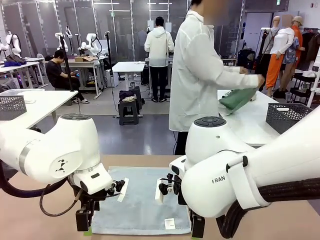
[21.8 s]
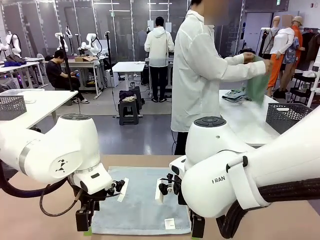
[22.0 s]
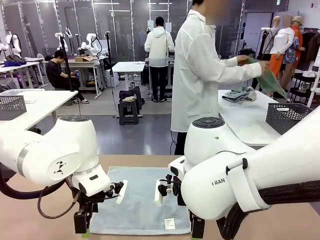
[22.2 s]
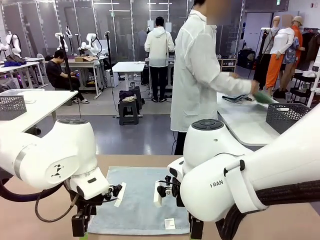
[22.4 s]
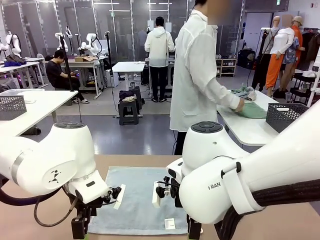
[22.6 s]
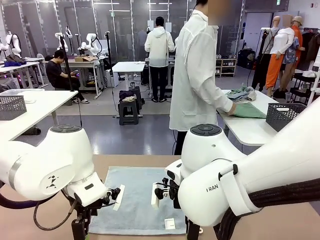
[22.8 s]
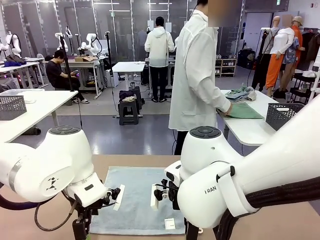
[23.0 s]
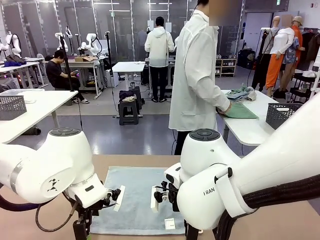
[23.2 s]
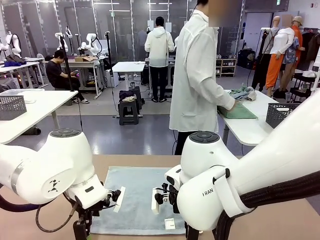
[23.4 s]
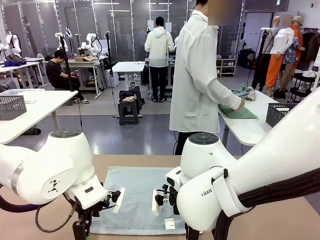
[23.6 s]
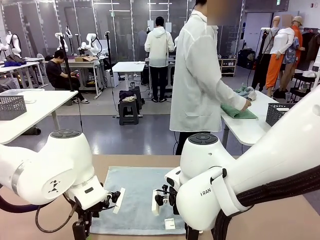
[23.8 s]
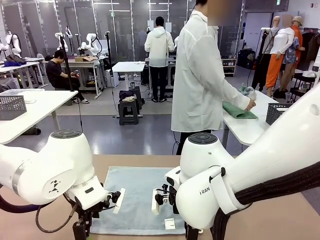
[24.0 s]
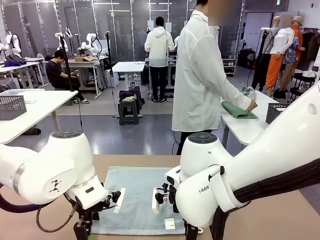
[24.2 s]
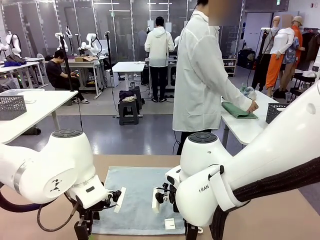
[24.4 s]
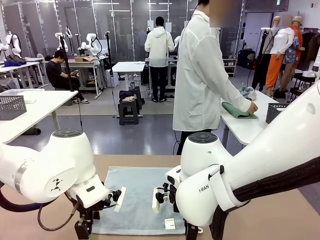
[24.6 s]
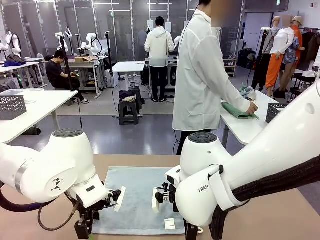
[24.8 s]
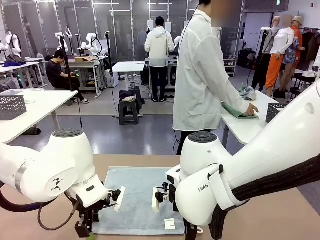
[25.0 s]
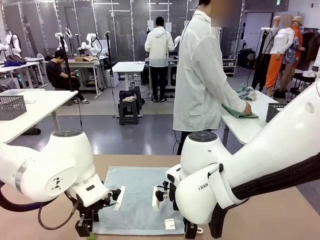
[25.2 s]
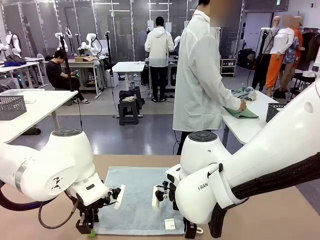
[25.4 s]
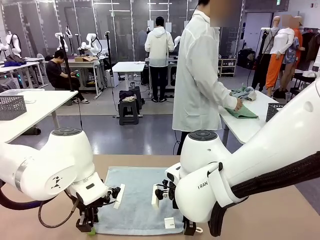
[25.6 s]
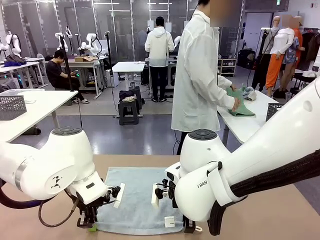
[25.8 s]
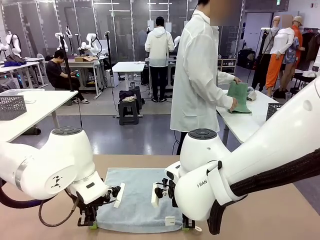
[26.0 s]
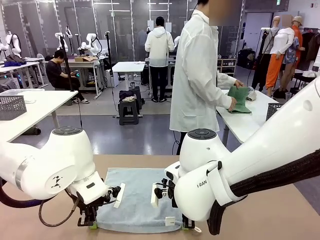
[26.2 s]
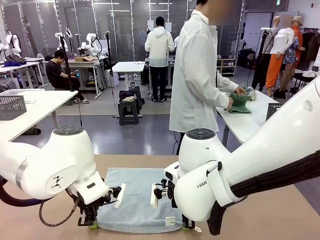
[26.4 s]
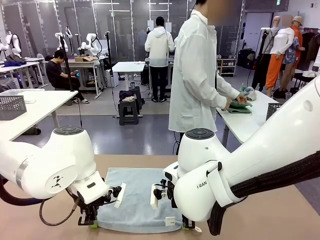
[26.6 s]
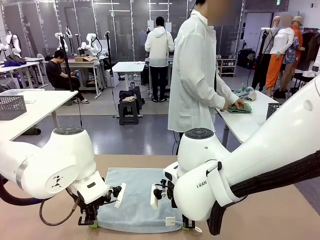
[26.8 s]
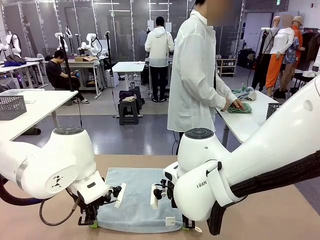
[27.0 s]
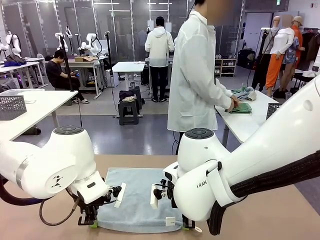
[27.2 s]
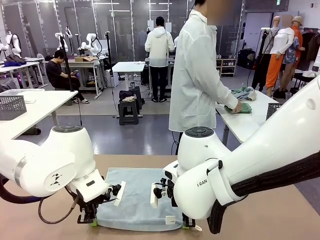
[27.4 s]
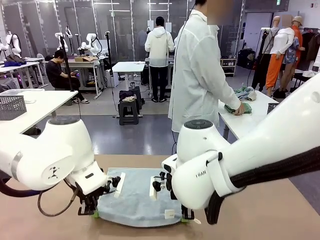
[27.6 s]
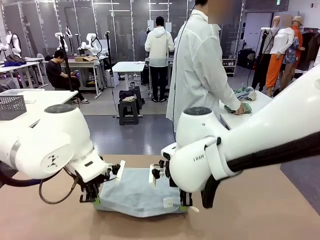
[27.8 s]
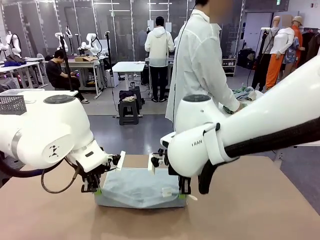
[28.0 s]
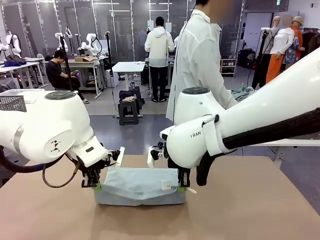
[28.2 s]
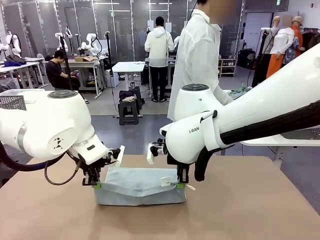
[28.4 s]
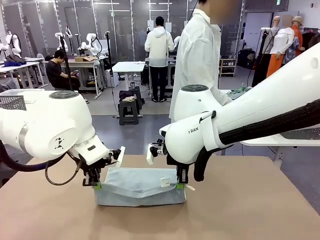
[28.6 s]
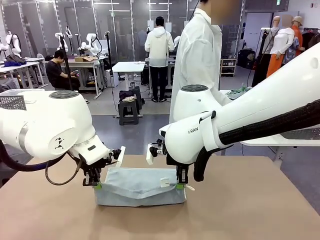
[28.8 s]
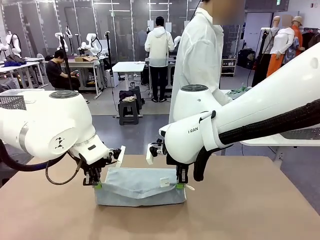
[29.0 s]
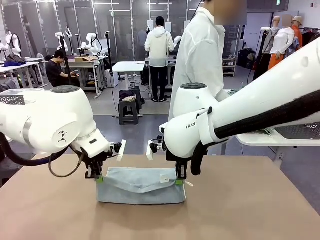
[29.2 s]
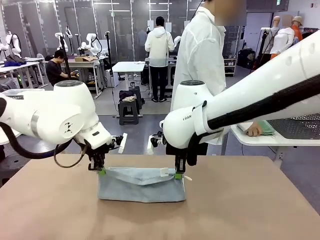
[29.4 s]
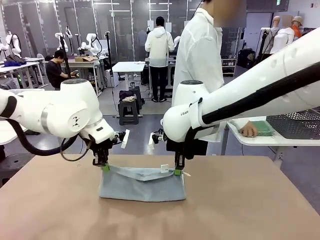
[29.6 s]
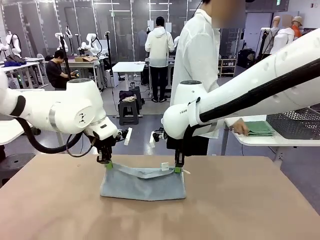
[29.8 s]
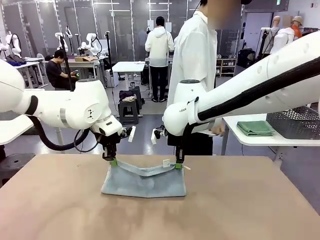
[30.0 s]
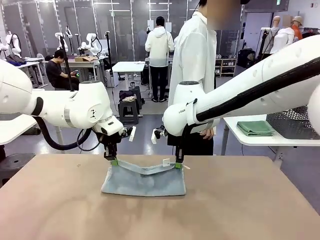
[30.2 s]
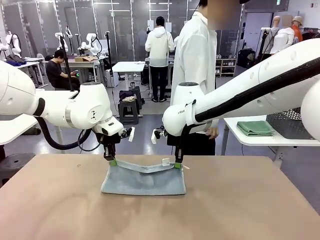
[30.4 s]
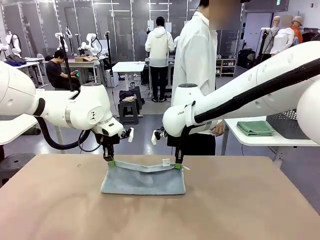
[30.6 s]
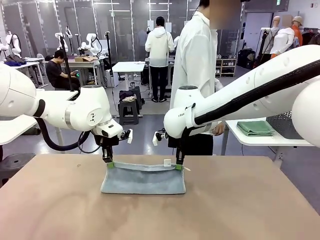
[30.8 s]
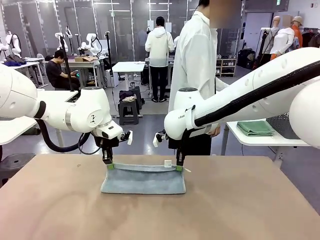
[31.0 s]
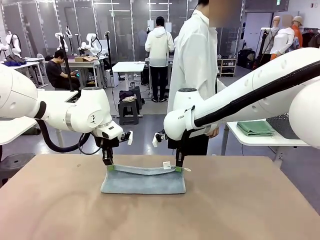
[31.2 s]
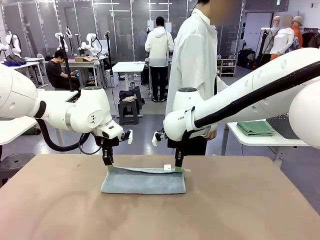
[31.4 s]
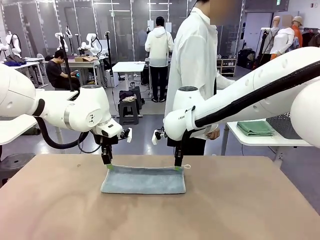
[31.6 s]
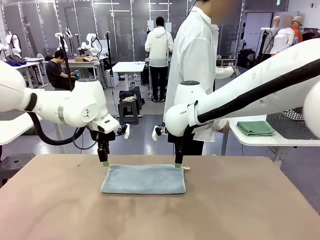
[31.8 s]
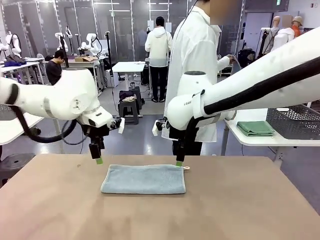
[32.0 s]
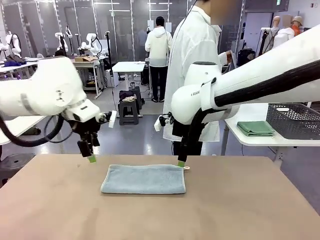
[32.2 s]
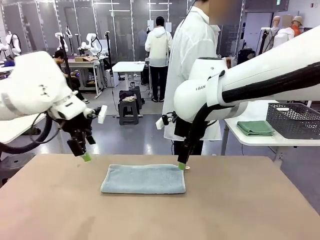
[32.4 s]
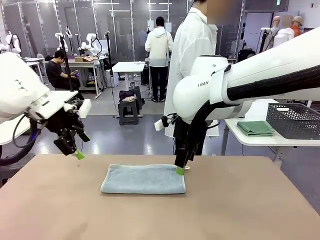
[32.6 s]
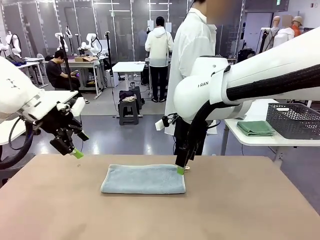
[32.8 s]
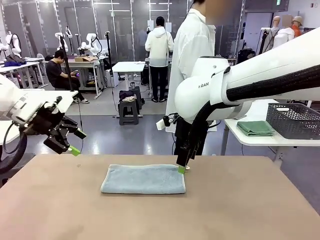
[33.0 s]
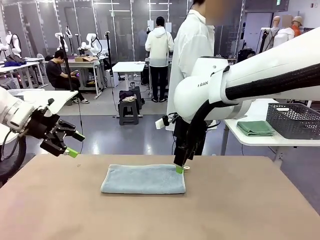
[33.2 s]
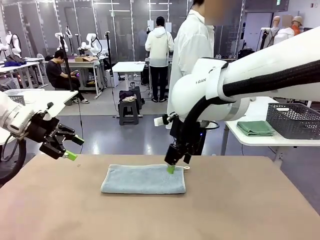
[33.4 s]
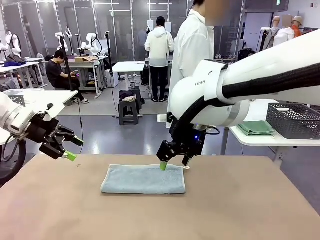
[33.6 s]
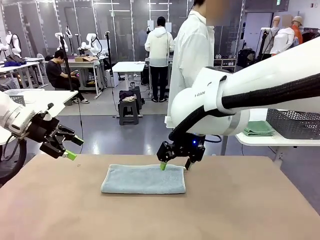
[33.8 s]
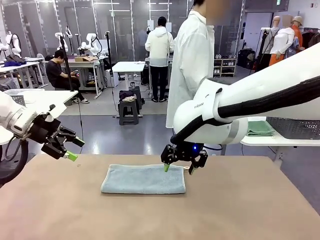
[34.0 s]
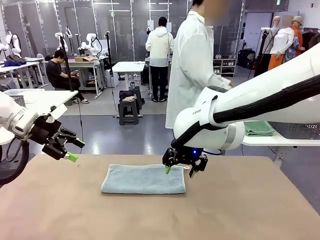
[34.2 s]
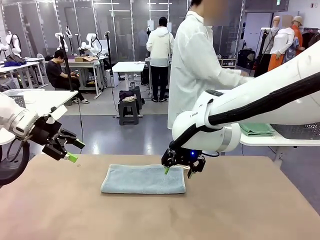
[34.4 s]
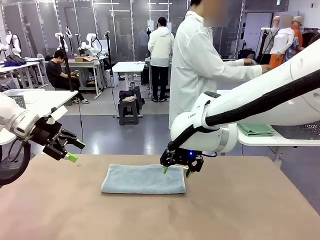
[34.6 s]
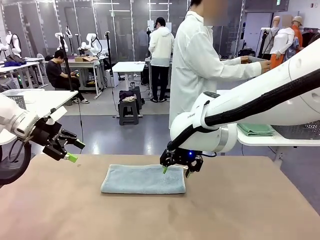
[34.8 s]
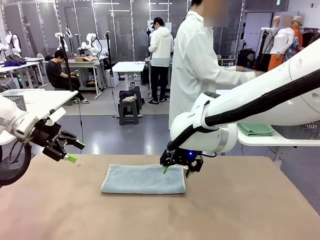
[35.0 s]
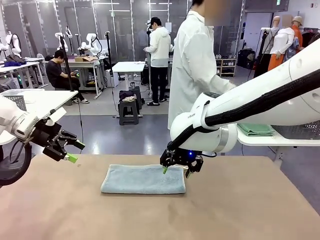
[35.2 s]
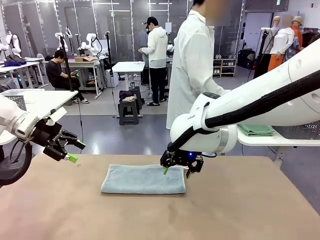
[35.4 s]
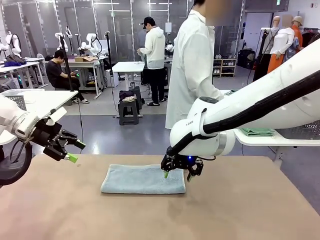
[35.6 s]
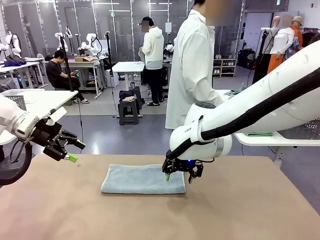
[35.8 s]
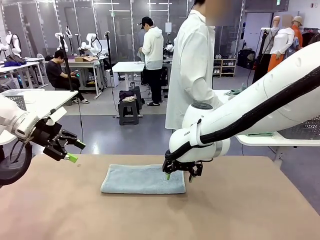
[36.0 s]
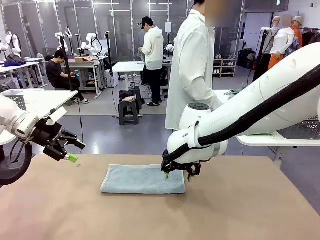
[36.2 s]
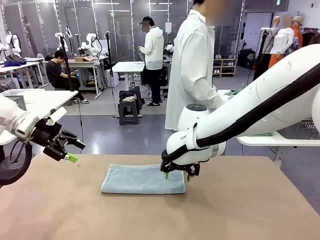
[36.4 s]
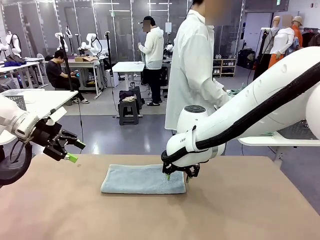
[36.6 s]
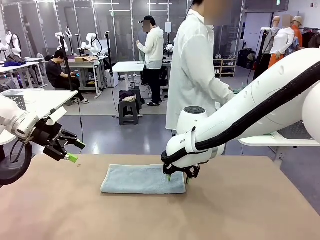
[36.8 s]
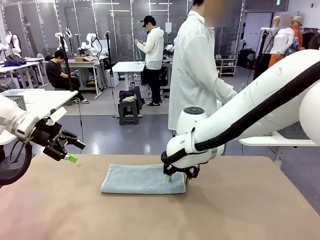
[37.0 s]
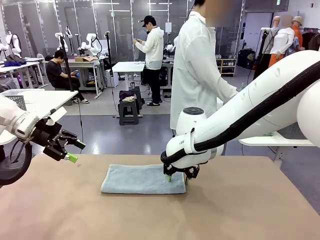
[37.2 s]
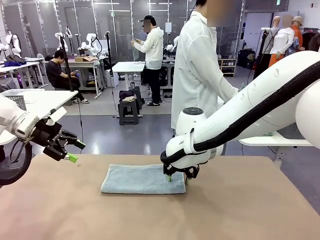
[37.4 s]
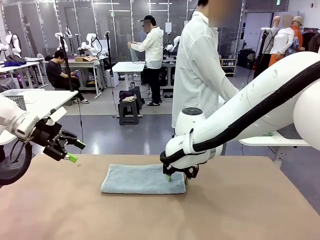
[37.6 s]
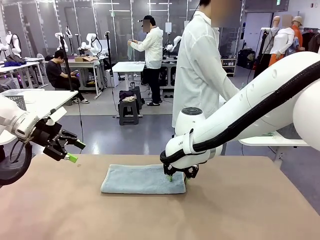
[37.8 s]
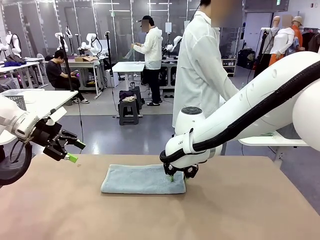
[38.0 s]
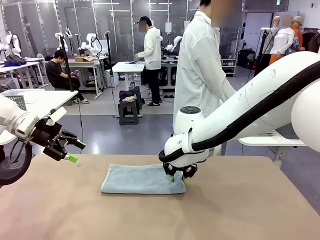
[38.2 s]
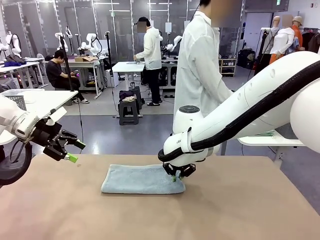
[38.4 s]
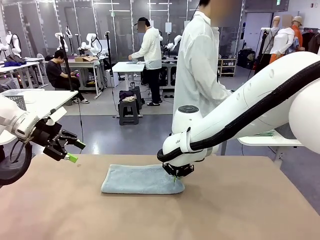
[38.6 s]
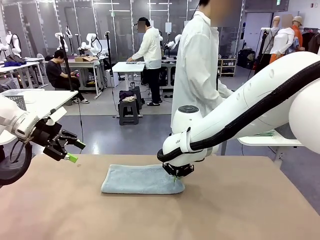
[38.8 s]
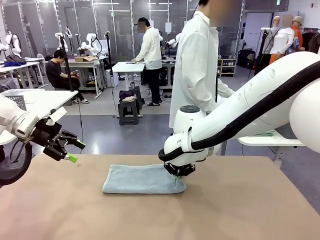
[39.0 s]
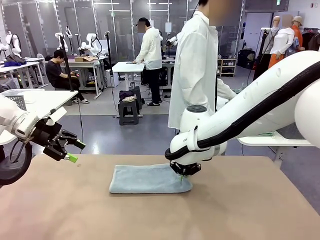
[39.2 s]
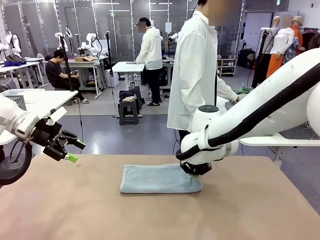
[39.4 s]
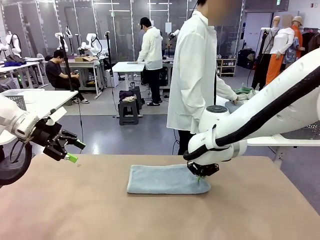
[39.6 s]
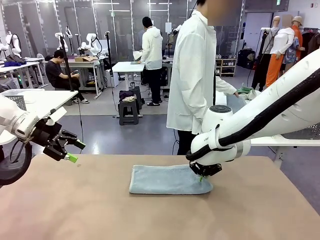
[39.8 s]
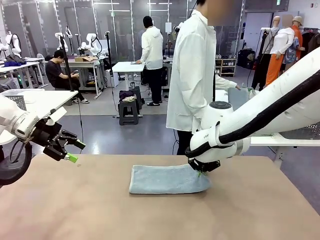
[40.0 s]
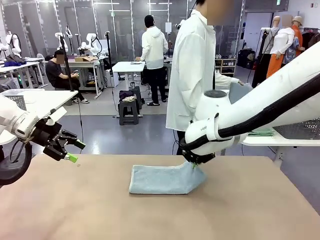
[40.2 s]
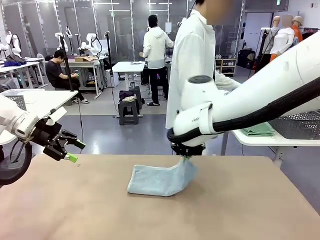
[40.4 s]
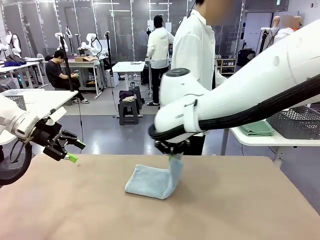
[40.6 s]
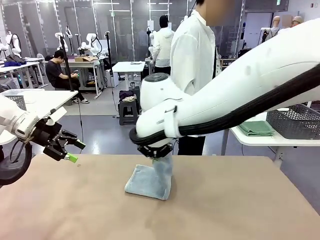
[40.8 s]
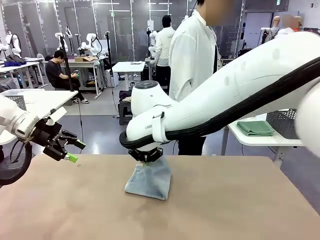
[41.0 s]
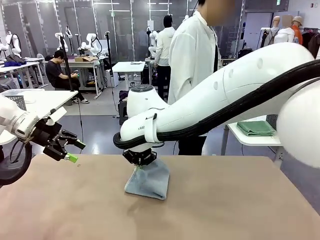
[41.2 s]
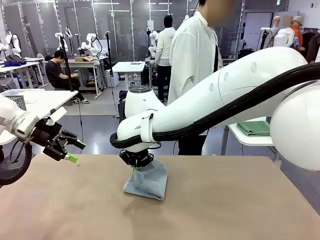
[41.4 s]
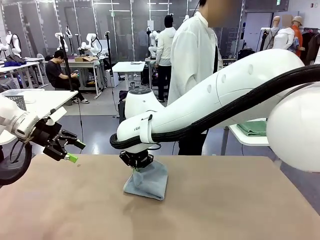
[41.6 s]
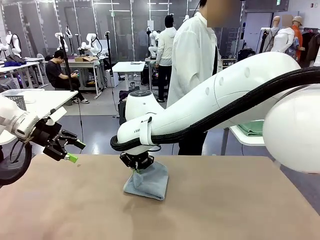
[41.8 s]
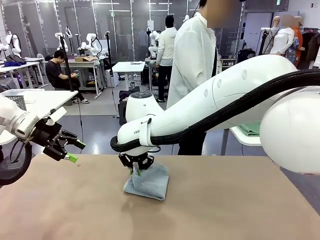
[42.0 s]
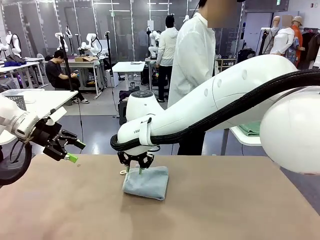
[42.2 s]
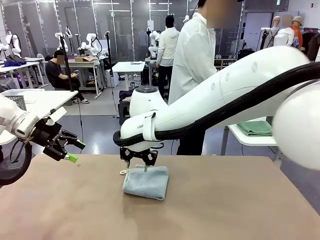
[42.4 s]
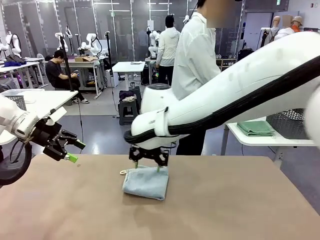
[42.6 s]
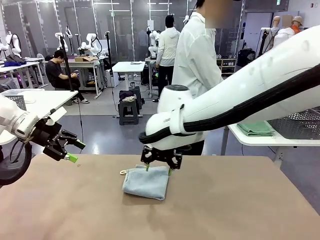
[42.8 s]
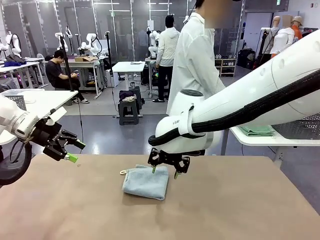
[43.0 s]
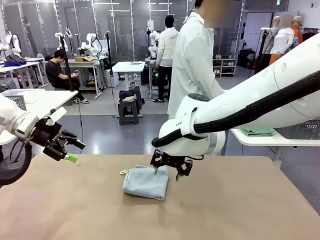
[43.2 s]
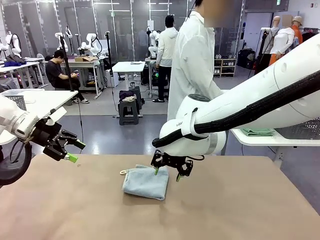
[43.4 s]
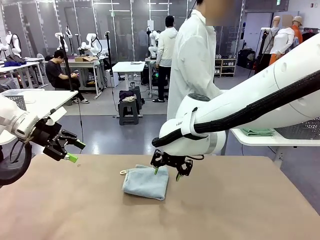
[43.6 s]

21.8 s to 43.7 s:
Task: Fold the towels and place them in the basket.
Robot: When a person lays out a Towel with hook on the table, fold it in half twice.
Person: Pick up one towel from the left side of the human table, fold it in half twice, and place it on the right side of the table. Pick up one towel from the left side of the human table, fold it in half twice, and stack it on the right side of the table.
